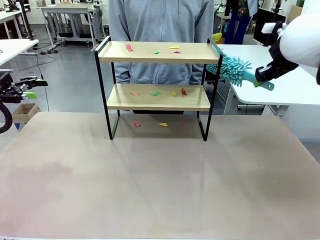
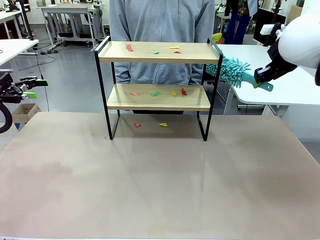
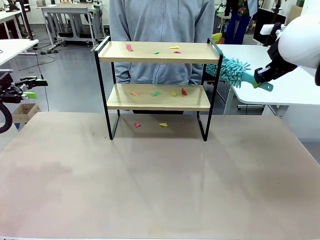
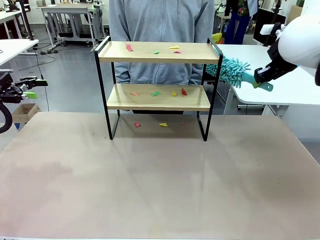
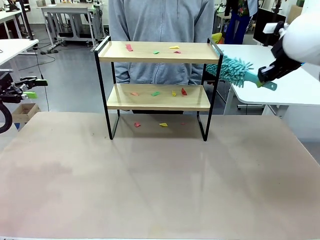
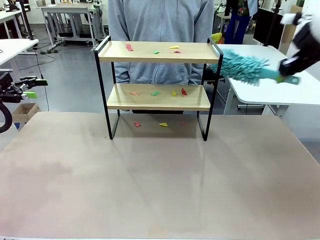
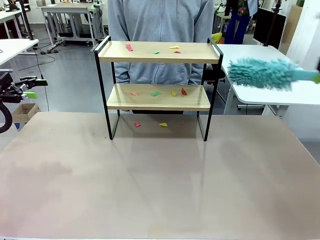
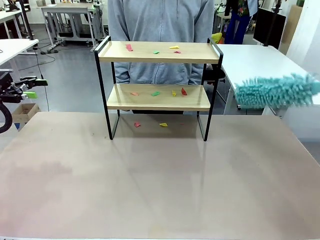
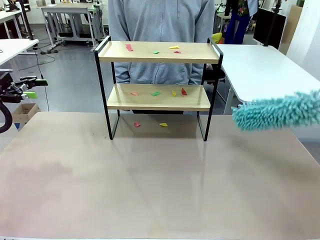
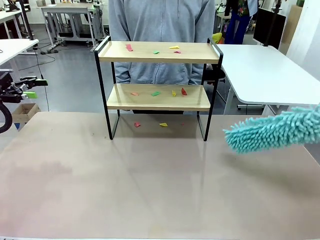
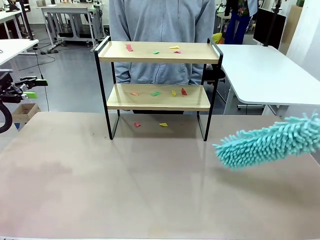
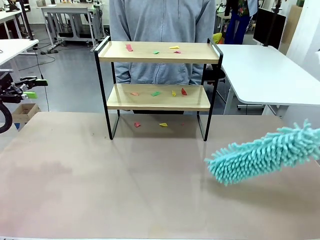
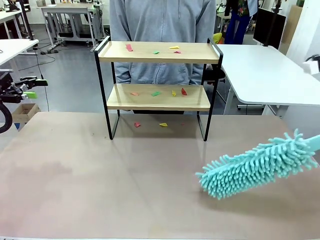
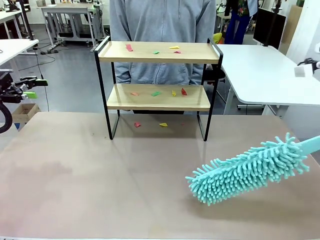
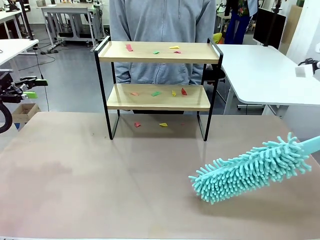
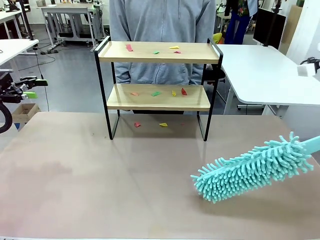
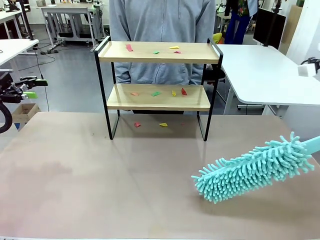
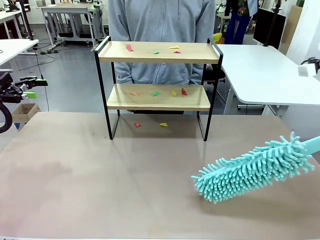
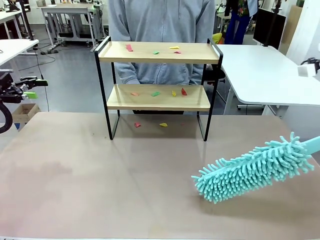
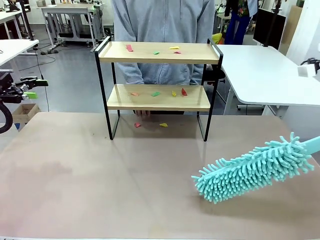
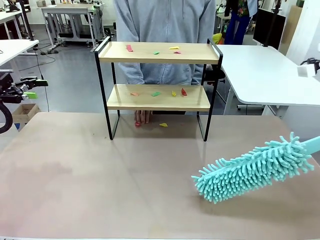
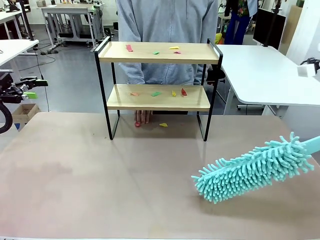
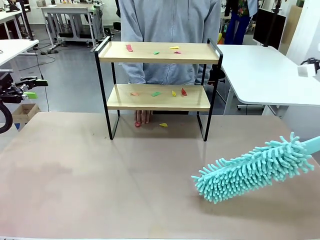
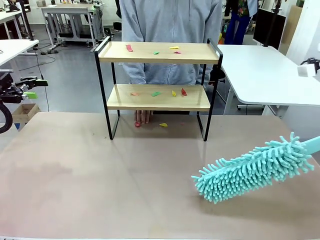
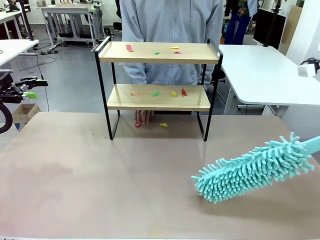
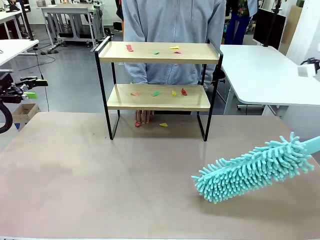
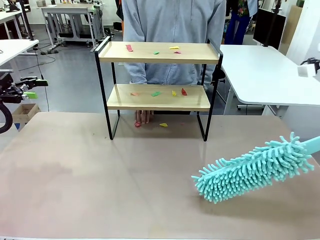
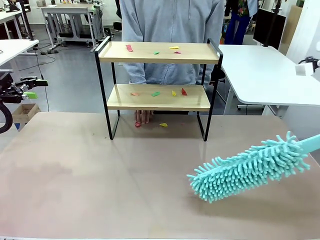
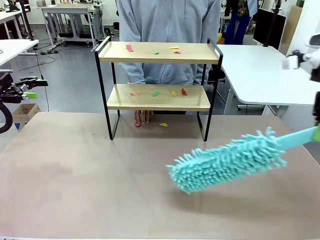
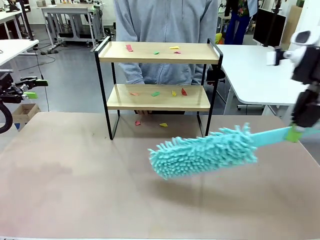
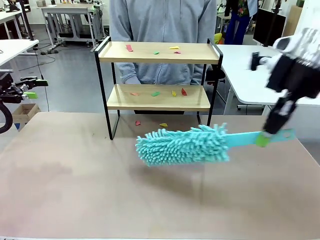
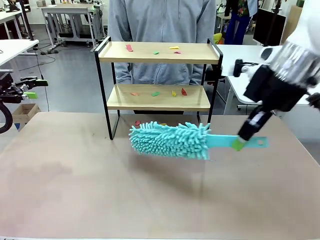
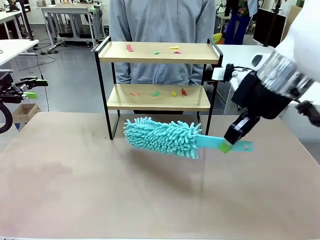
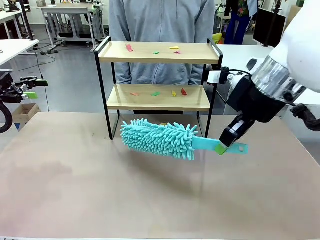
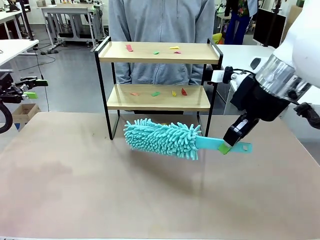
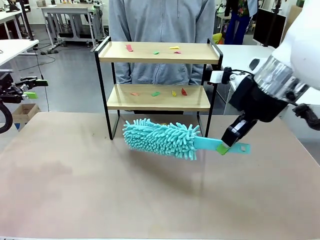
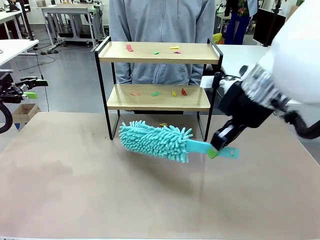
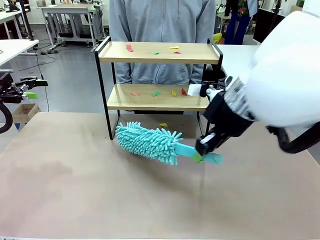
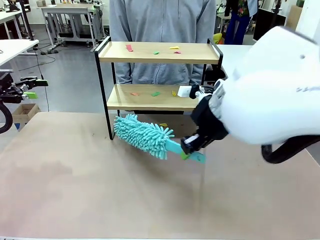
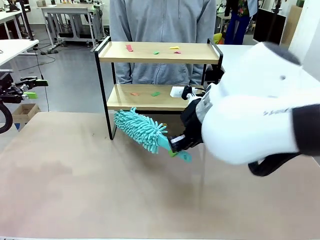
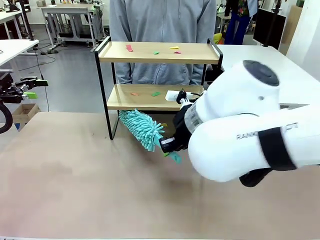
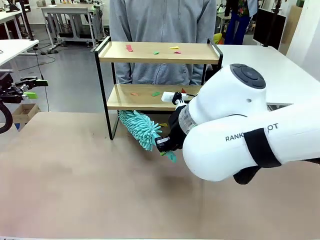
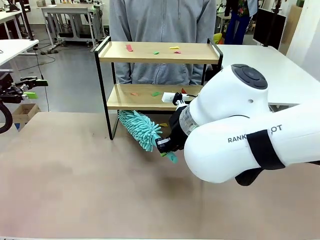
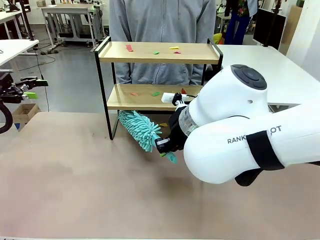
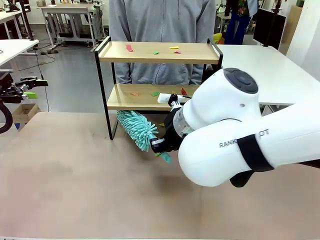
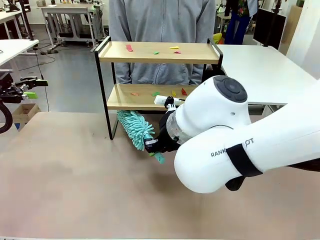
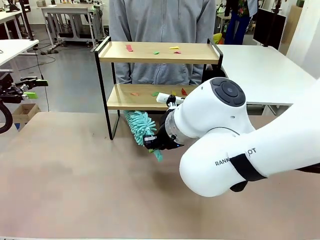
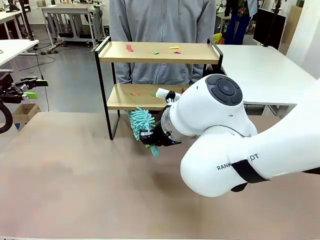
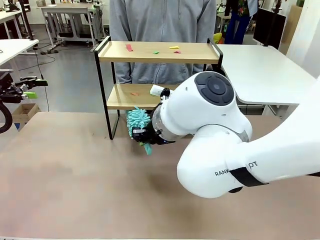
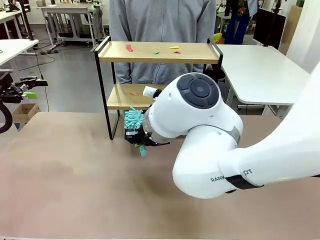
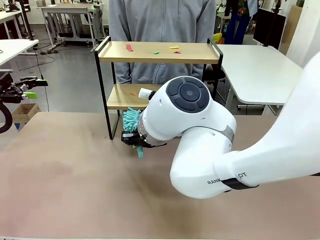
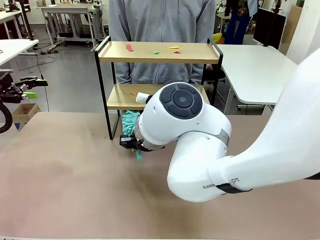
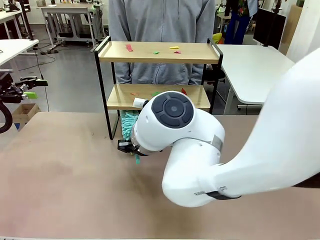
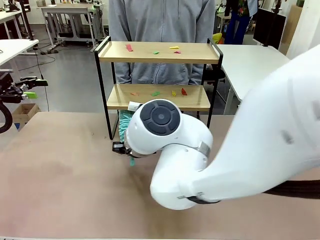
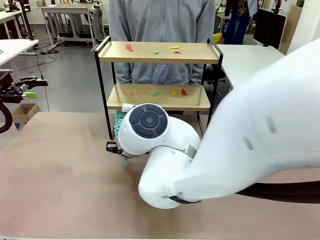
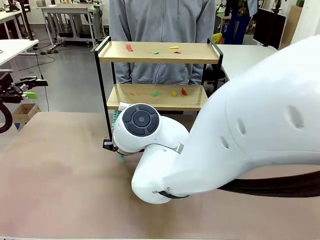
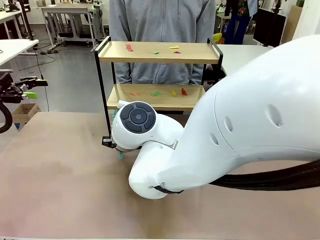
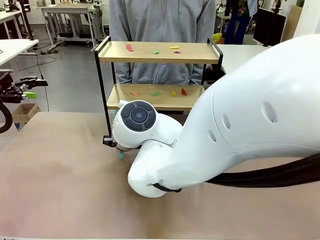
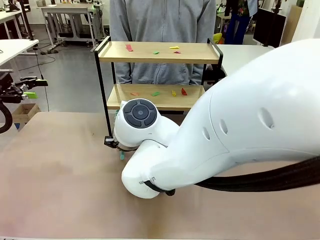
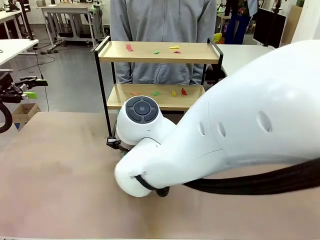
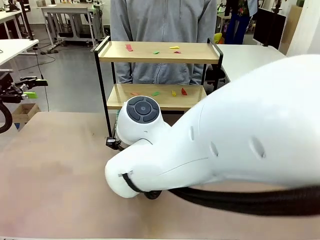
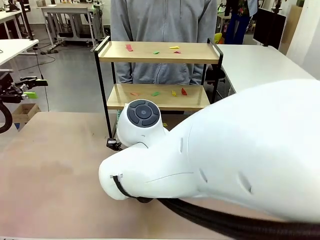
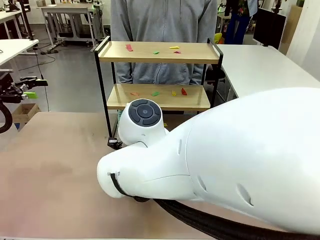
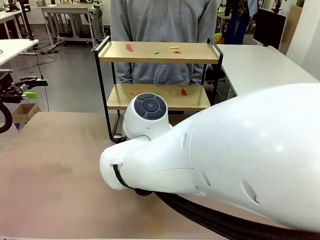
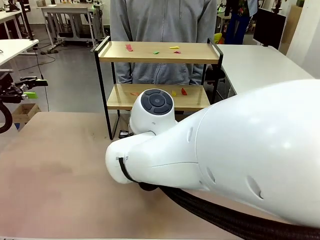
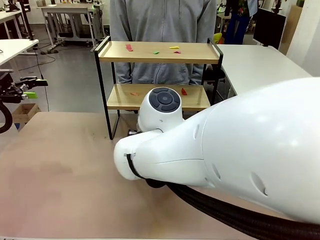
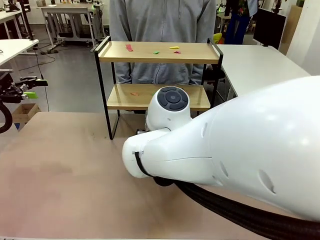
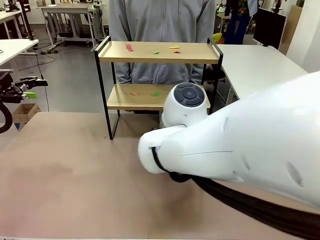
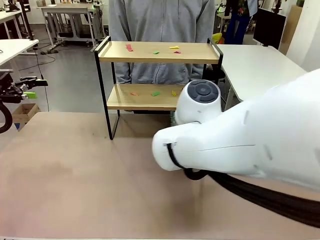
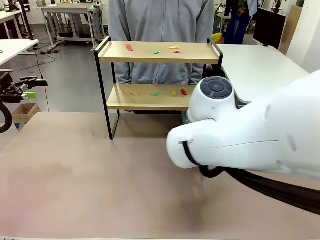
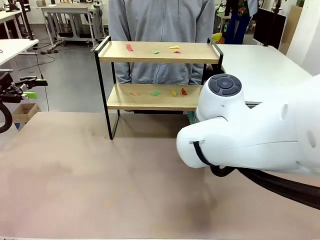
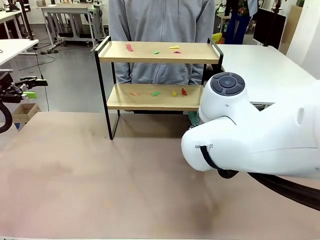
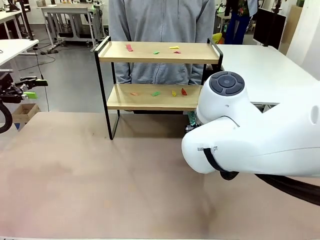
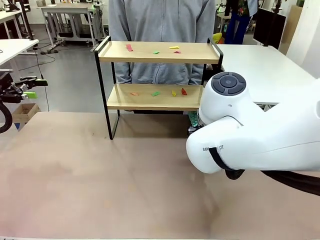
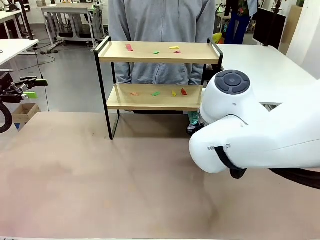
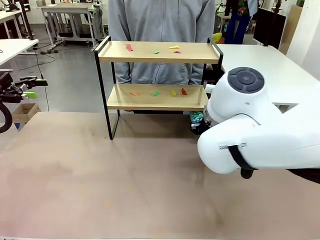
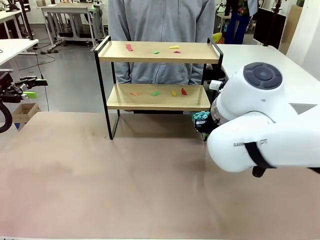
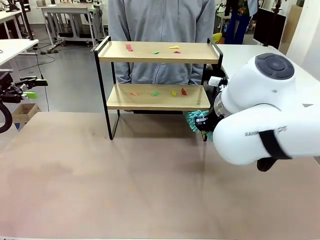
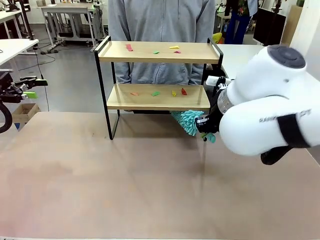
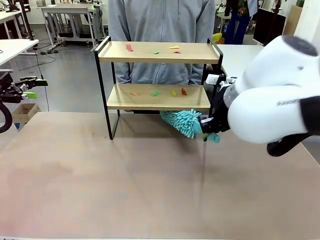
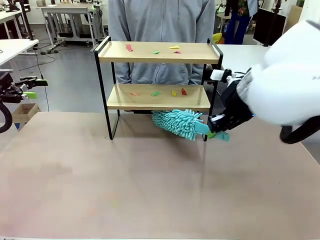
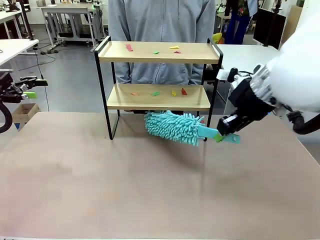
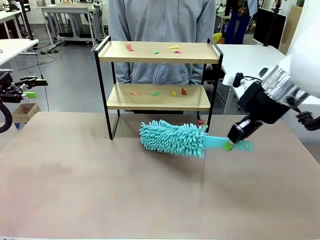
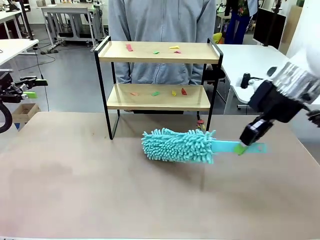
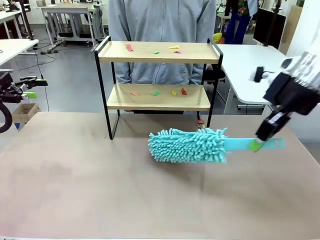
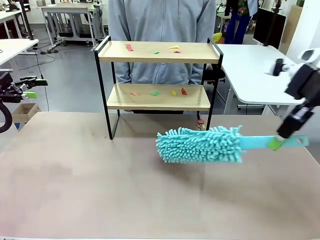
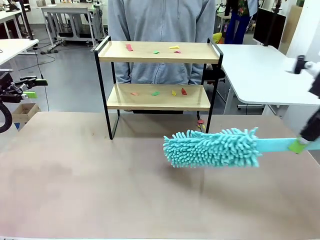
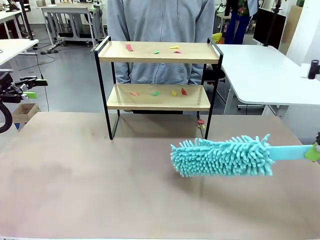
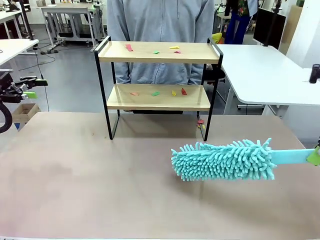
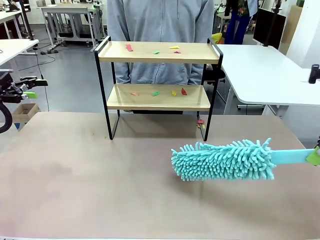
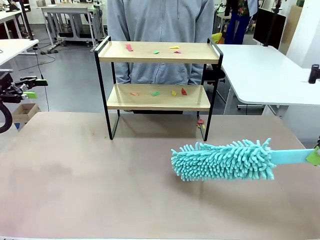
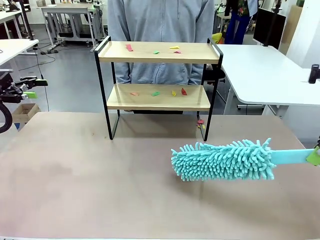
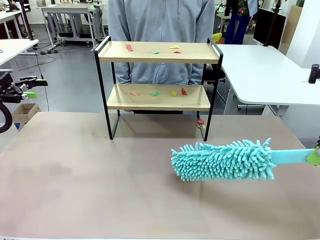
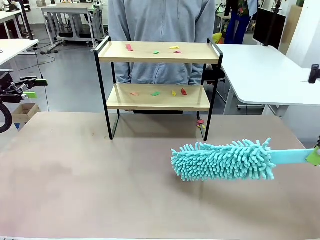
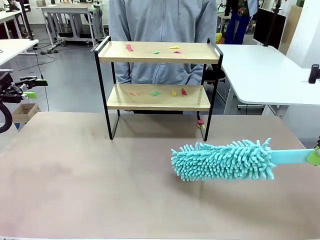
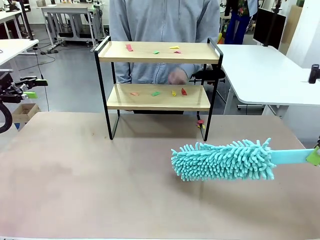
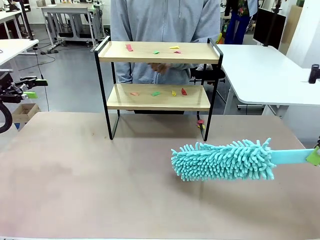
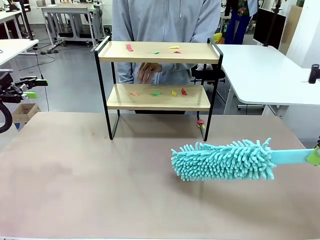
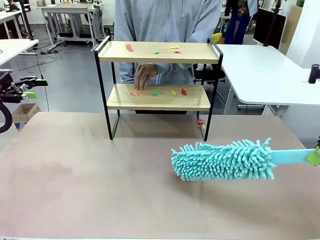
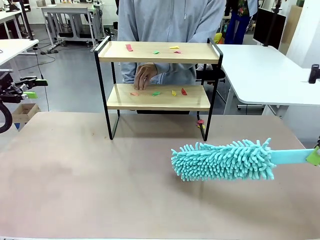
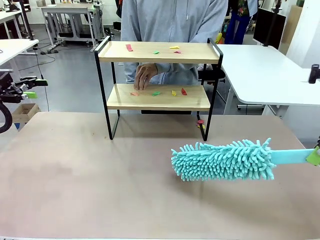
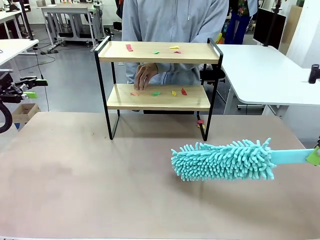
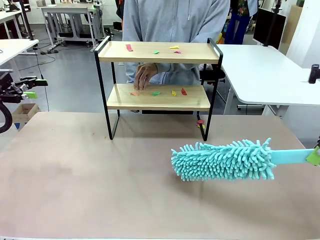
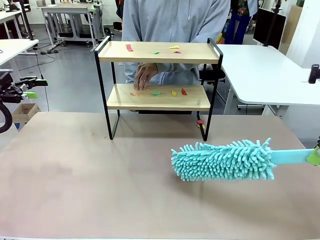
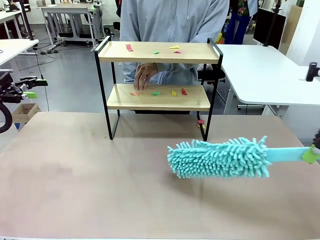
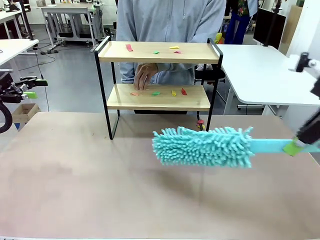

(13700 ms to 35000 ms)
Task: Clean the shelf.
Robot: Clean the specific section of the Shelf indicated by the human with the Duster.
Person: Point a random section of the Shelf.
